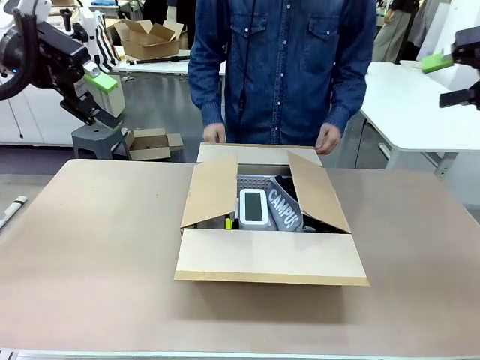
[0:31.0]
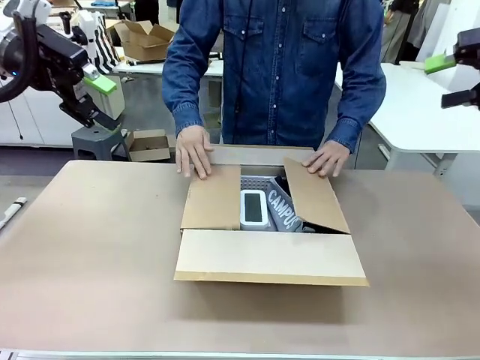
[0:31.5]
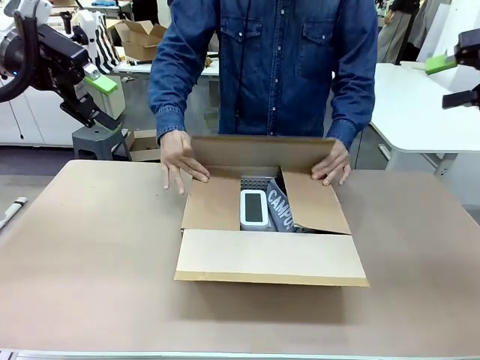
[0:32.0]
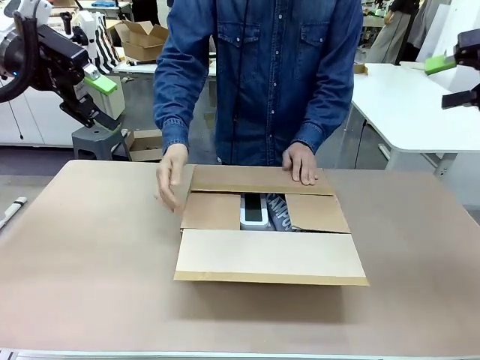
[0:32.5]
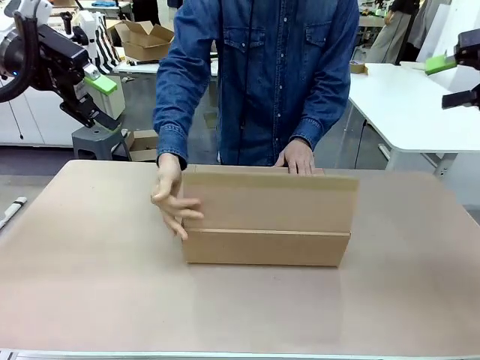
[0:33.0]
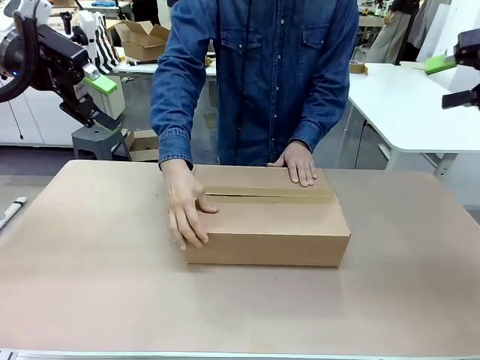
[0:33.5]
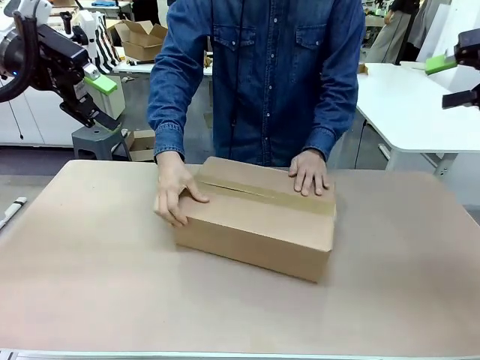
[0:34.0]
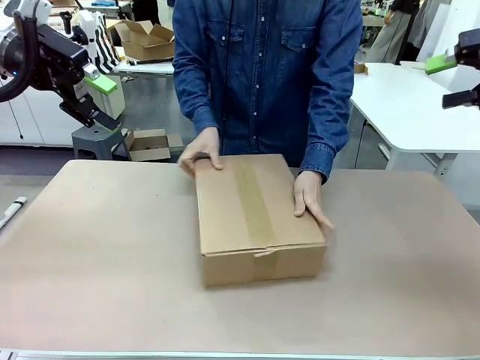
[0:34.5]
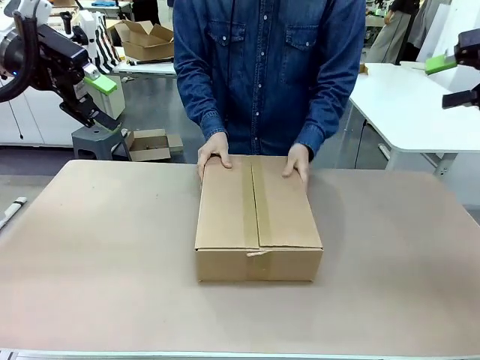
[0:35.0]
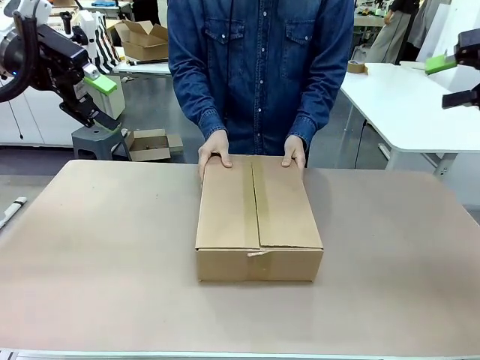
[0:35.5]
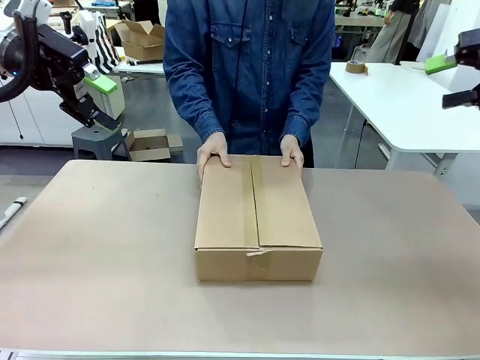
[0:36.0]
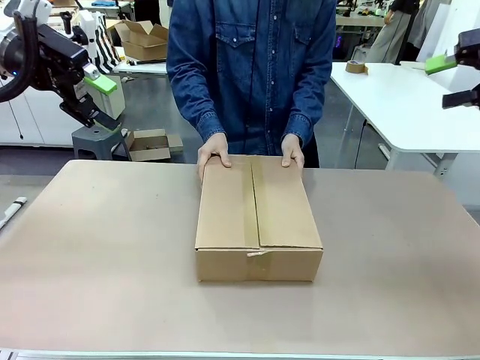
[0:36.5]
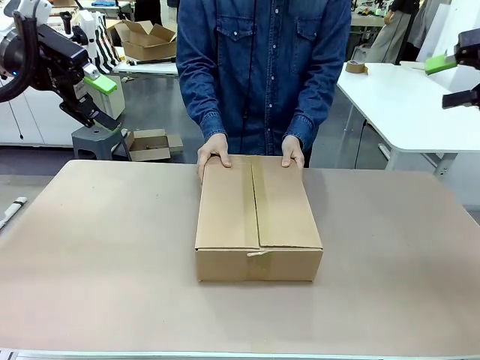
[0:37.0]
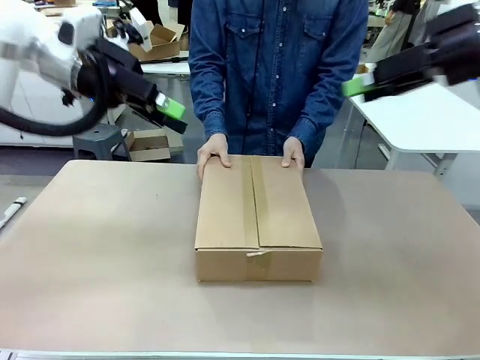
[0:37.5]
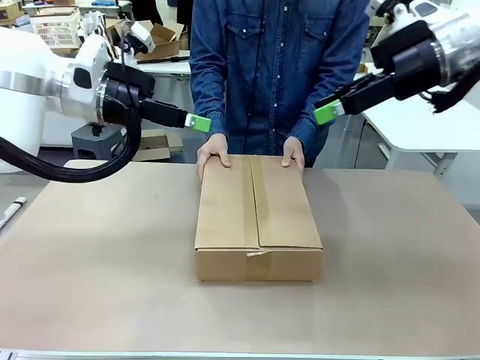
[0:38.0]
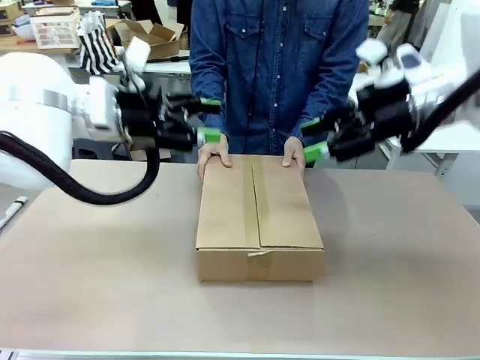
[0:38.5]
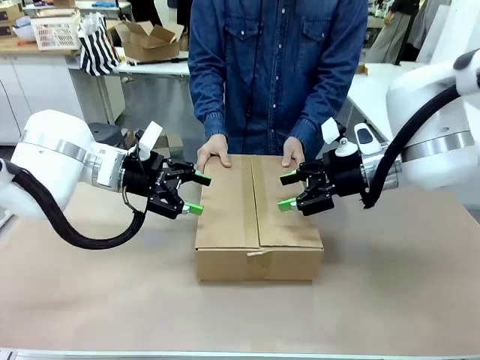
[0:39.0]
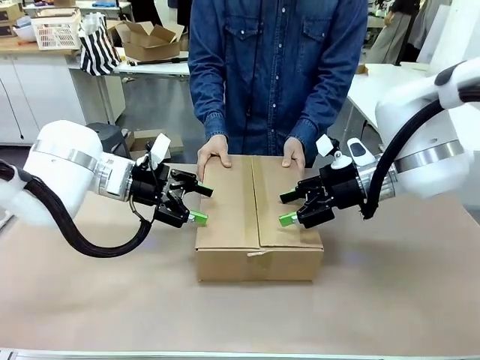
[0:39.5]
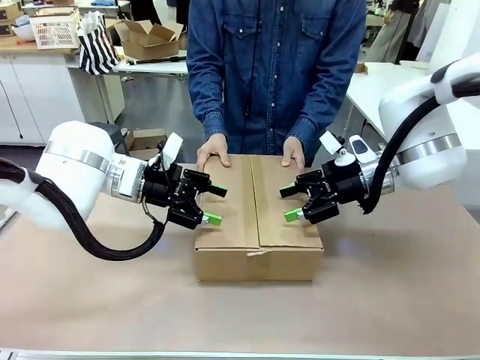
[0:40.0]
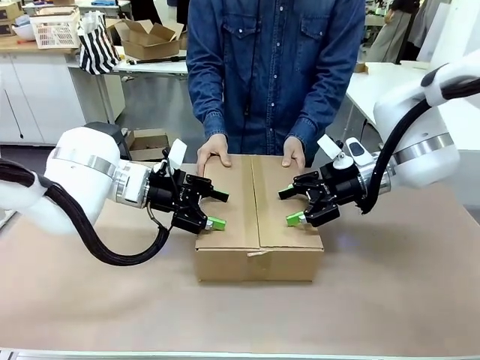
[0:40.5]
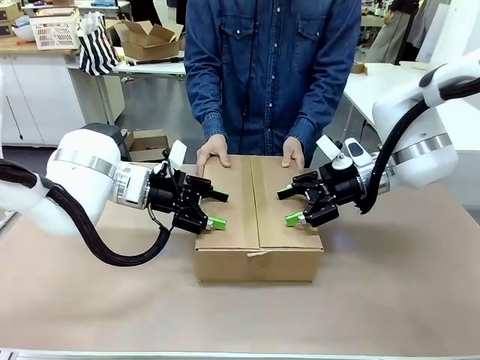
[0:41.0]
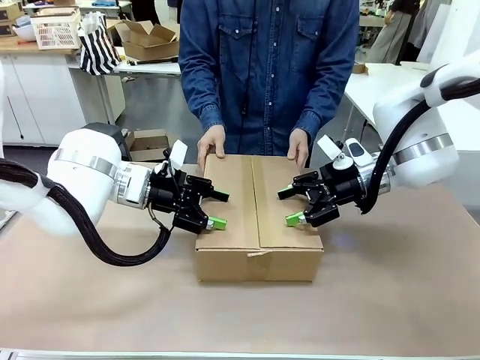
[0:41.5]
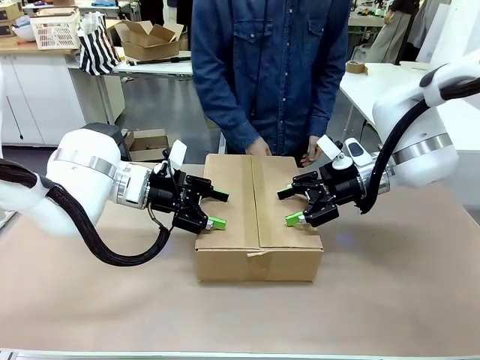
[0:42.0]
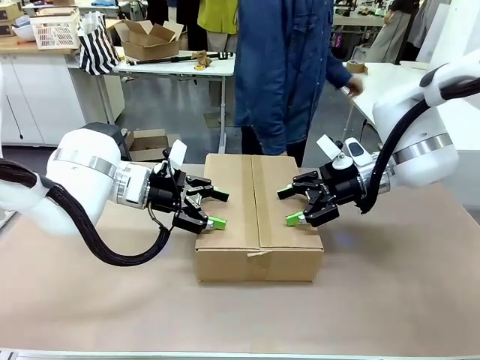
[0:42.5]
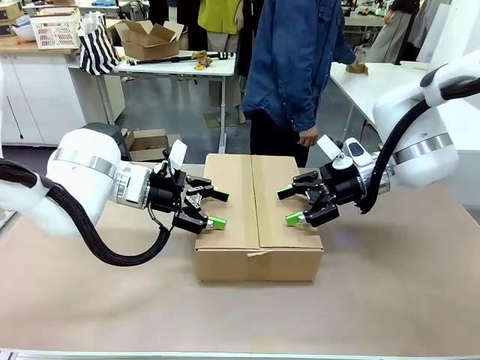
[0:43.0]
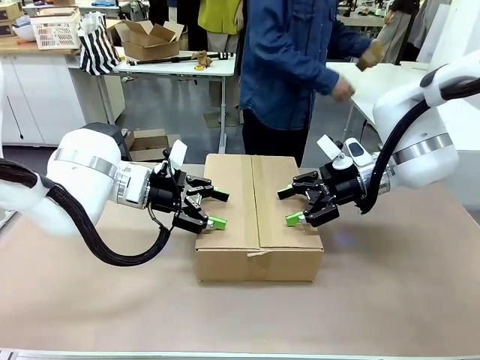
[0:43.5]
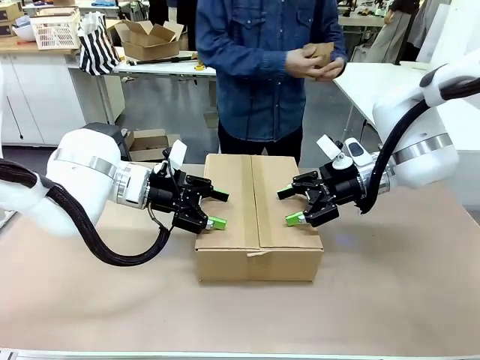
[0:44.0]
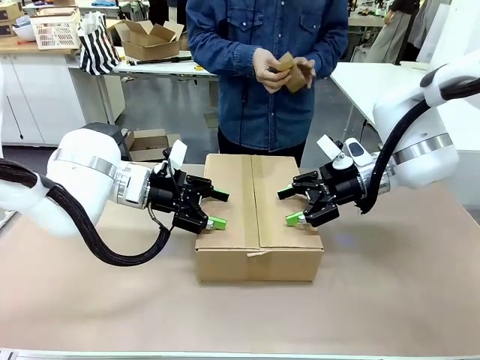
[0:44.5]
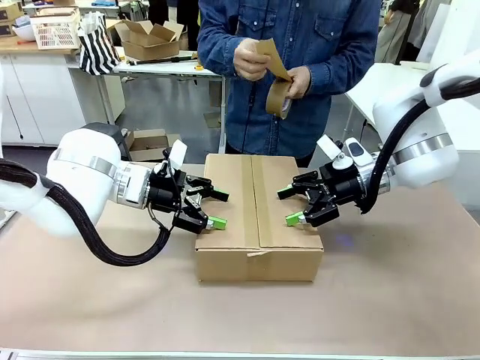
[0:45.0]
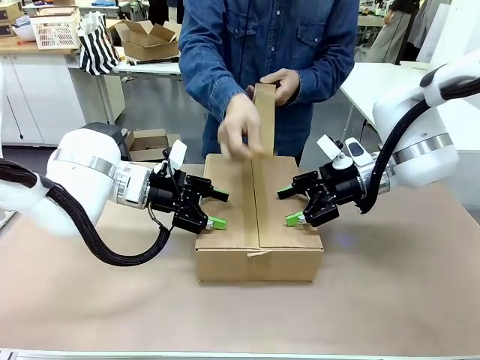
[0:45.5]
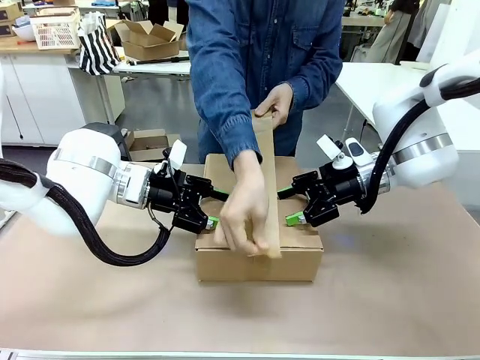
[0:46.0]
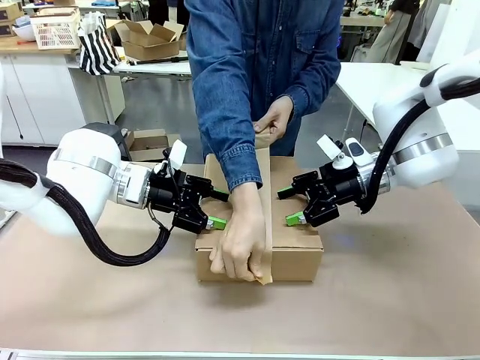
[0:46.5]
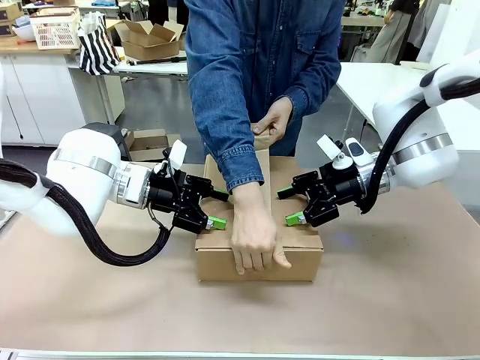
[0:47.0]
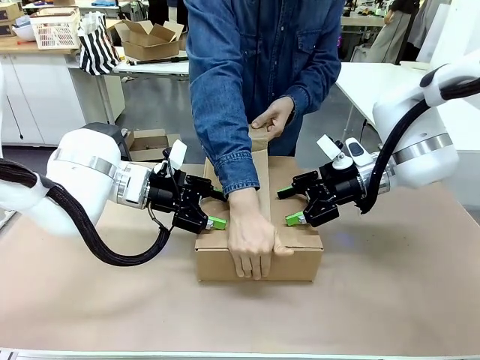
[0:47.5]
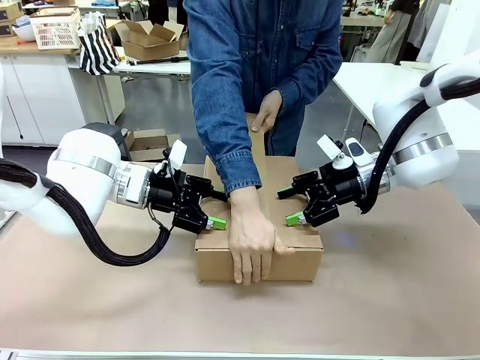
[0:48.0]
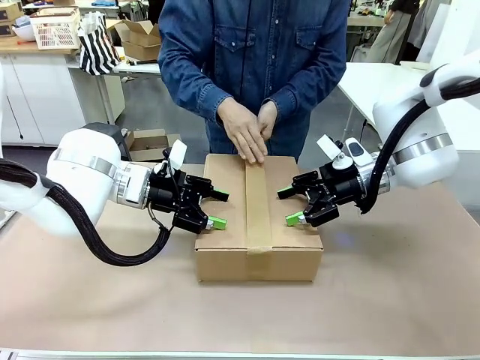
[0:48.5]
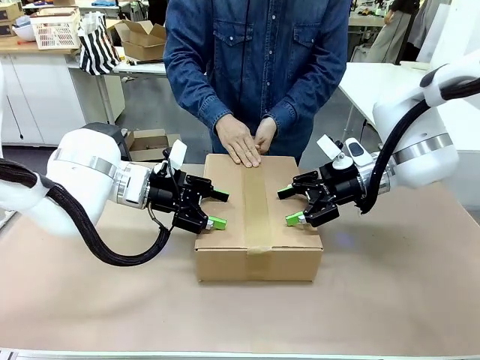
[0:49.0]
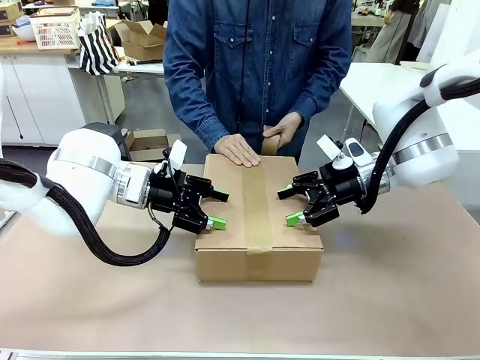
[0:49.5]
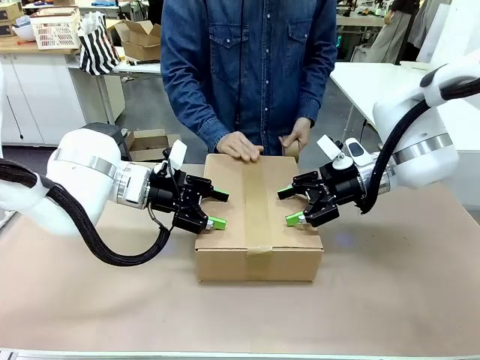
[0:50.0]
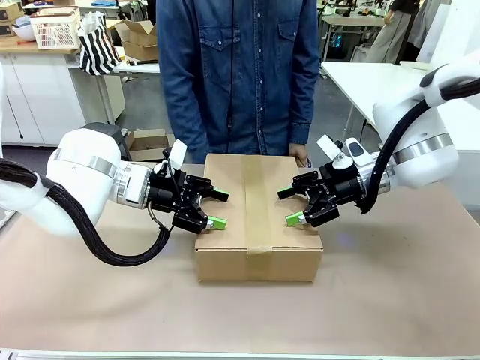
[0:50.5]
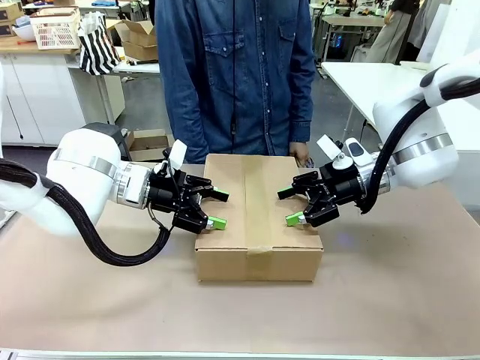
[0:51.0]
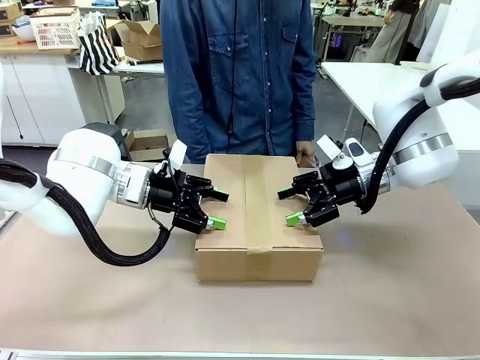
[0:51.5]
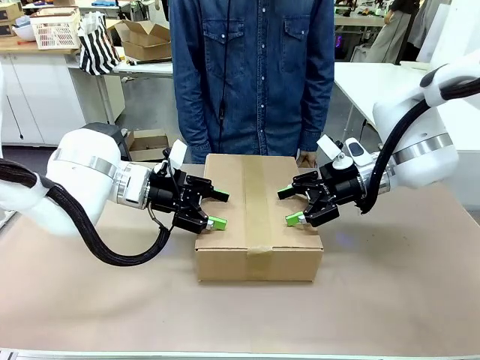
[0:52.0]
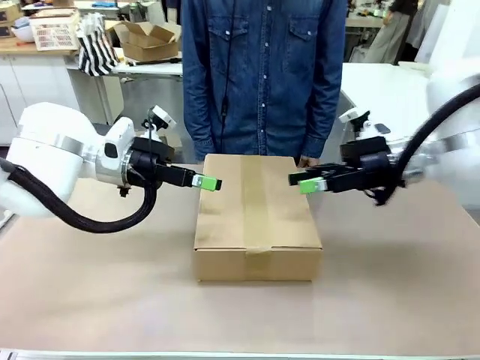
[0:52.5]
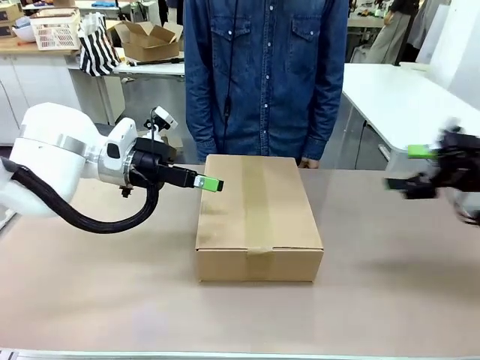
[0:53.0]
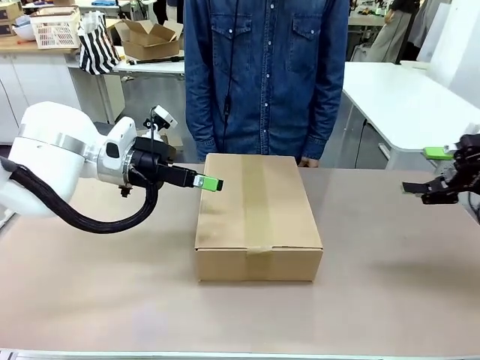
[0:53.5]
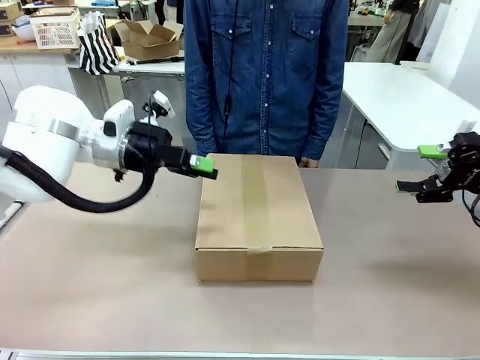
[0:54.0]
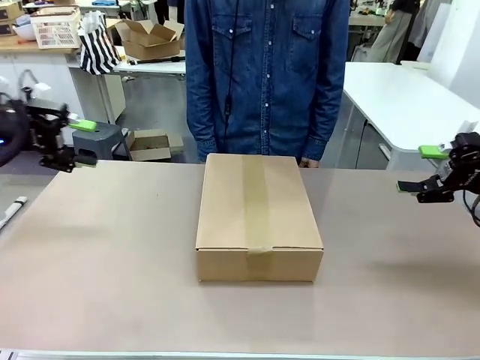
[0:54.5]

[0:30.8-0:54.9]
Task: Pack the gift set into the box.
Robot: Press and hold the closed box until the human finishes sealing it.
Person: The human closes the box and rotates the box by 90 degrees. The human picks up the paper tape from the human table and packs the box.
